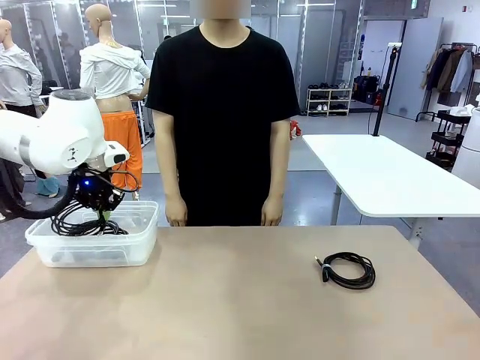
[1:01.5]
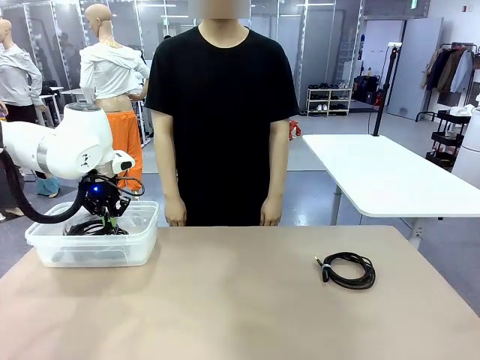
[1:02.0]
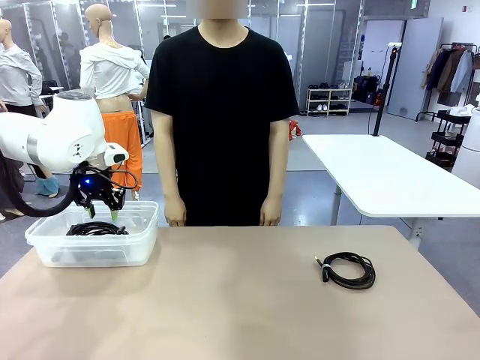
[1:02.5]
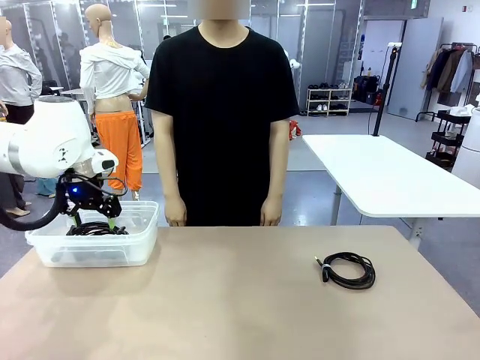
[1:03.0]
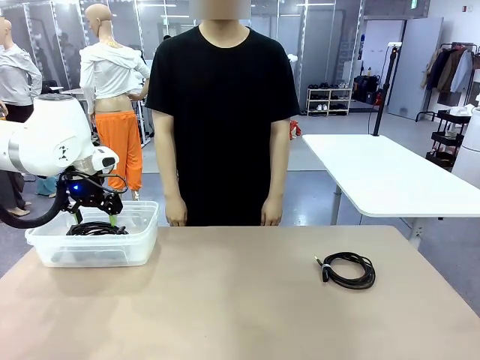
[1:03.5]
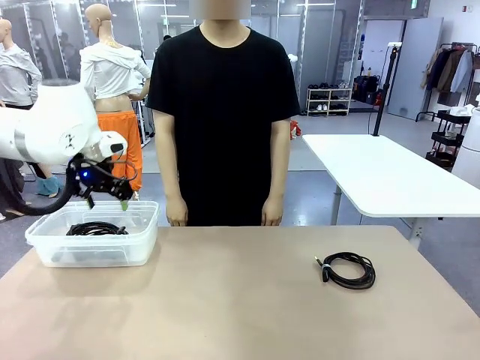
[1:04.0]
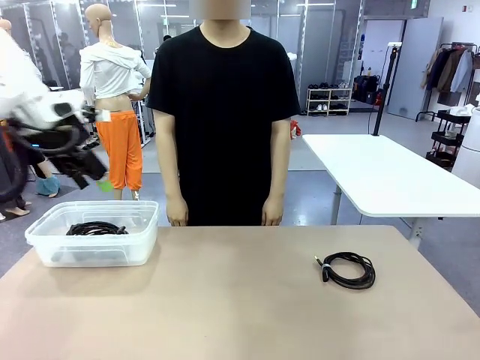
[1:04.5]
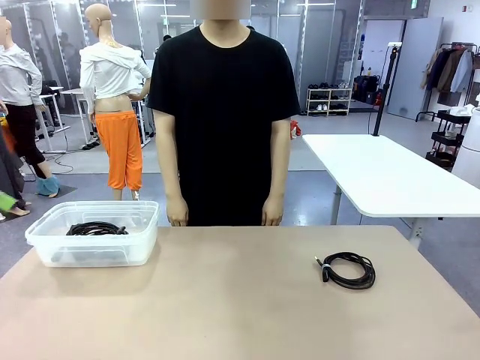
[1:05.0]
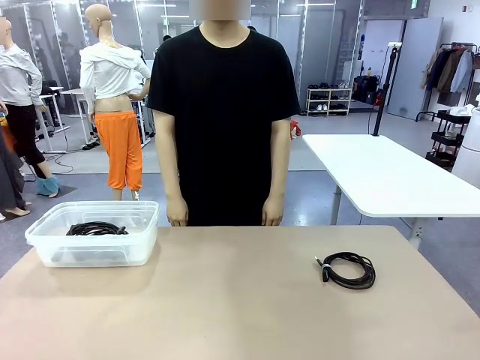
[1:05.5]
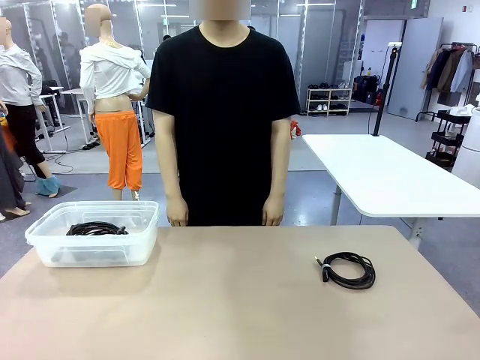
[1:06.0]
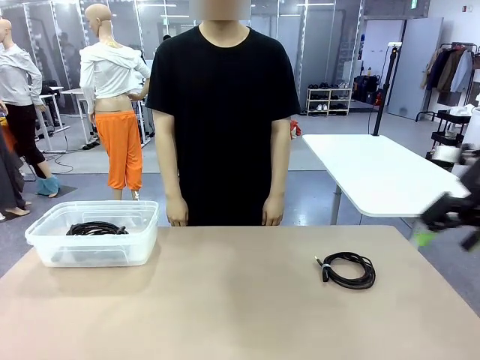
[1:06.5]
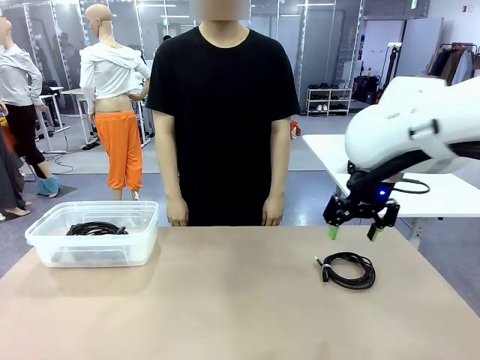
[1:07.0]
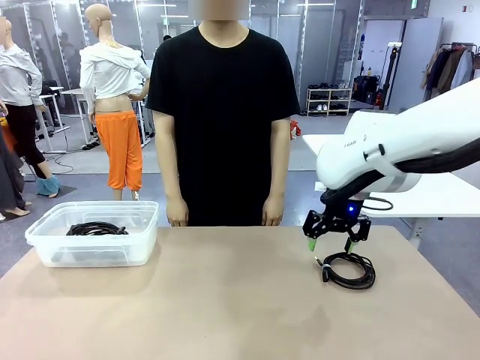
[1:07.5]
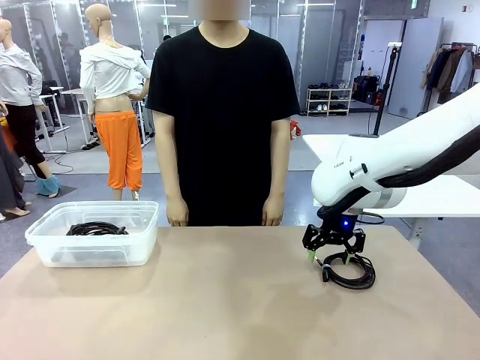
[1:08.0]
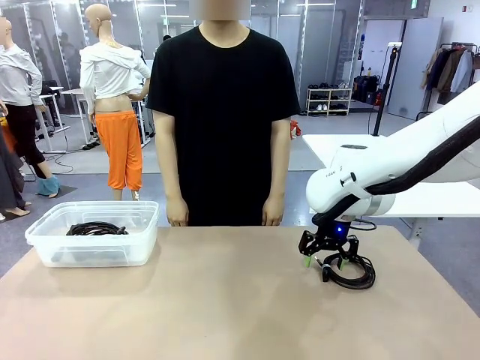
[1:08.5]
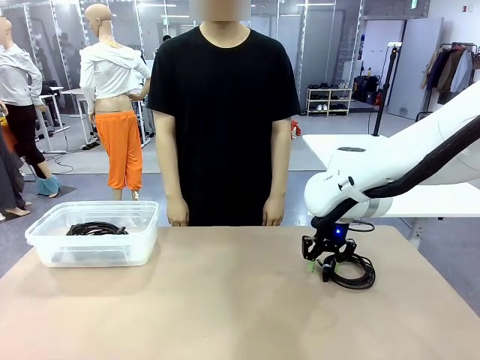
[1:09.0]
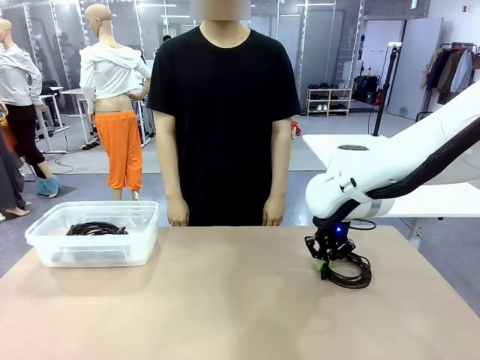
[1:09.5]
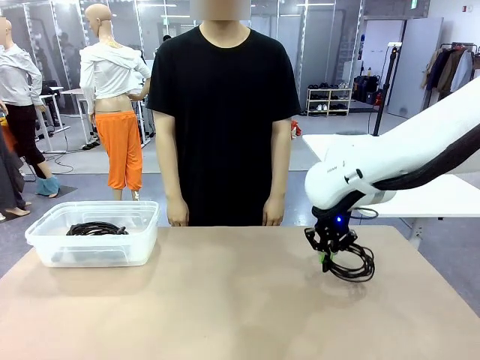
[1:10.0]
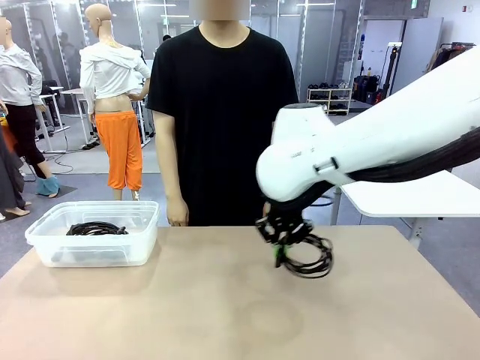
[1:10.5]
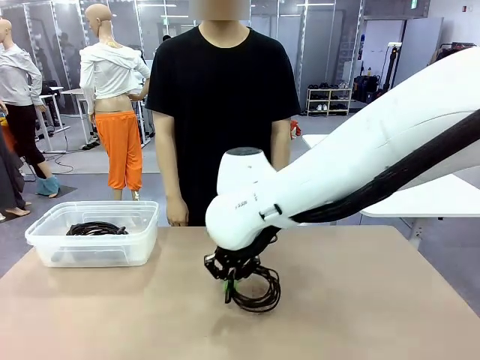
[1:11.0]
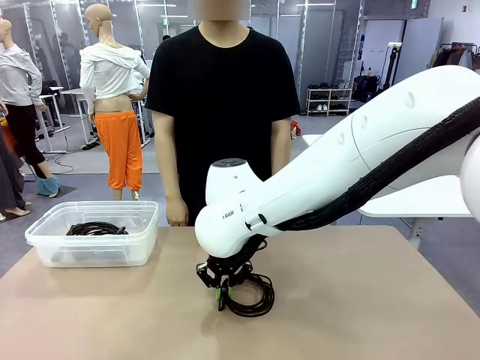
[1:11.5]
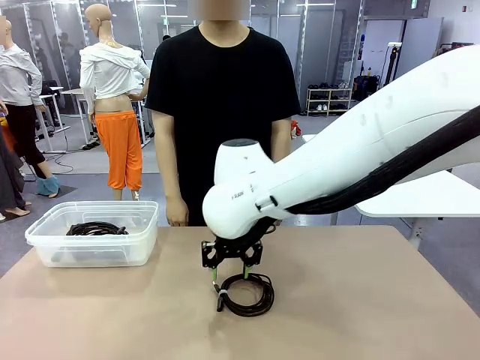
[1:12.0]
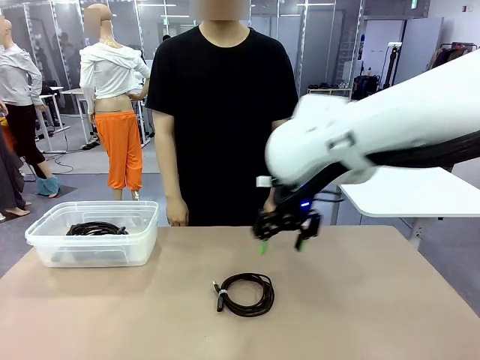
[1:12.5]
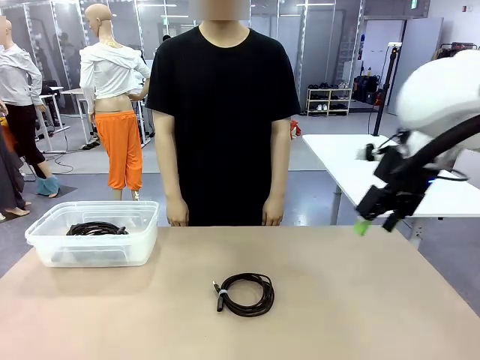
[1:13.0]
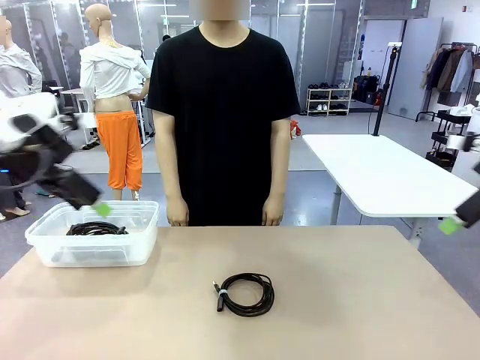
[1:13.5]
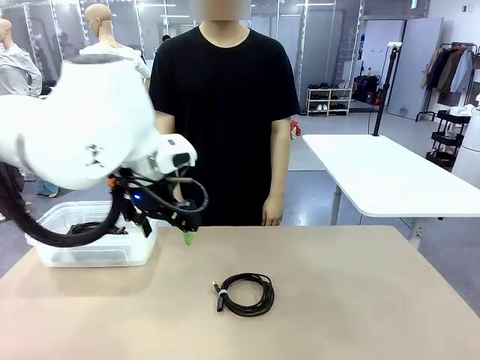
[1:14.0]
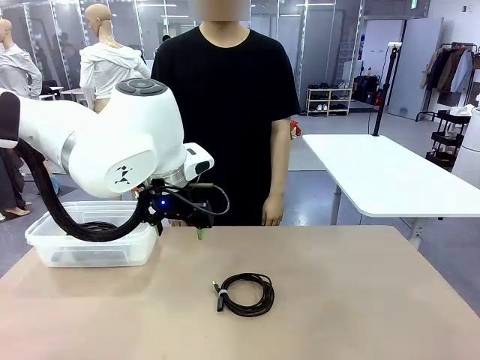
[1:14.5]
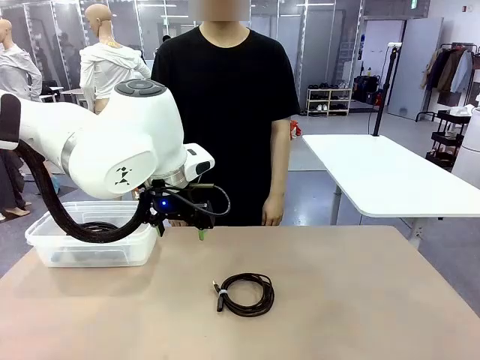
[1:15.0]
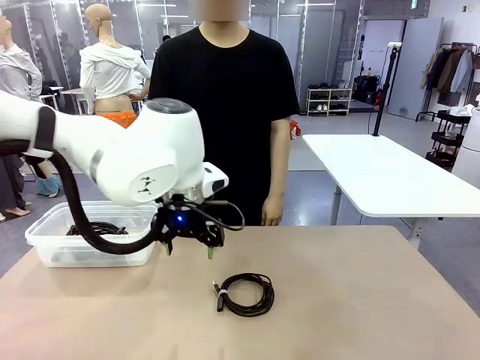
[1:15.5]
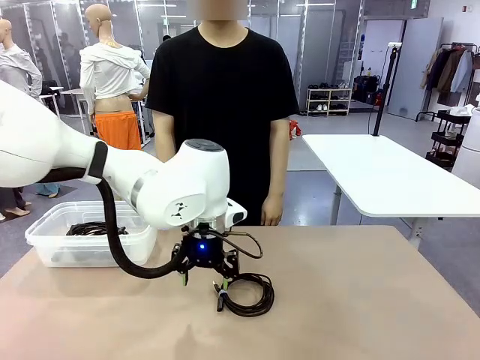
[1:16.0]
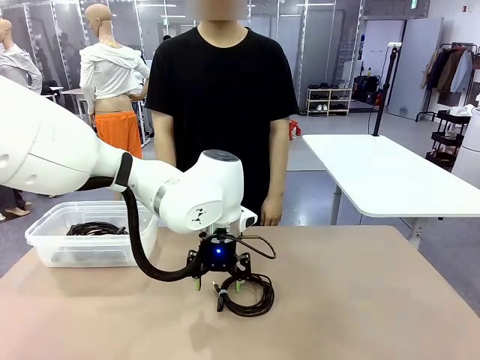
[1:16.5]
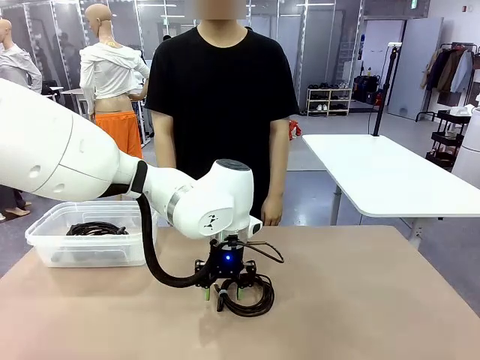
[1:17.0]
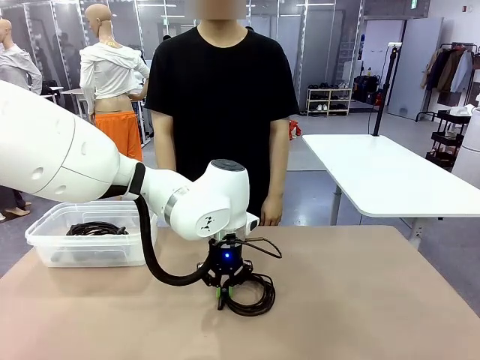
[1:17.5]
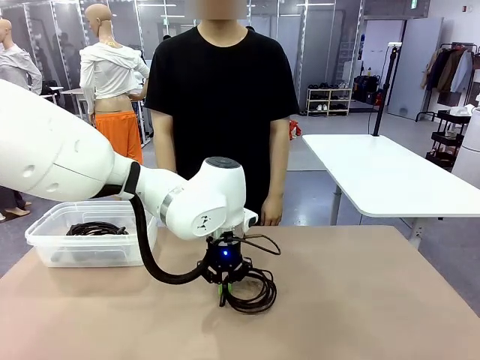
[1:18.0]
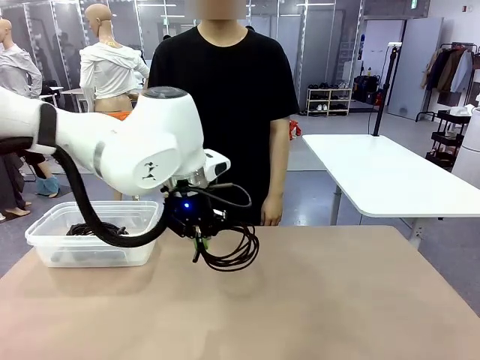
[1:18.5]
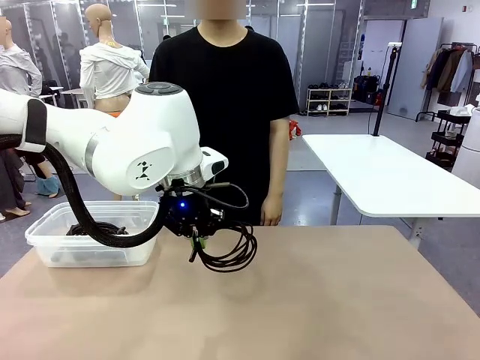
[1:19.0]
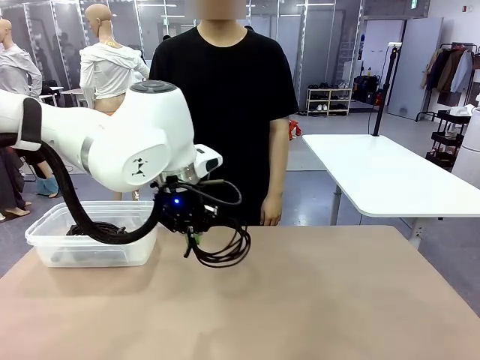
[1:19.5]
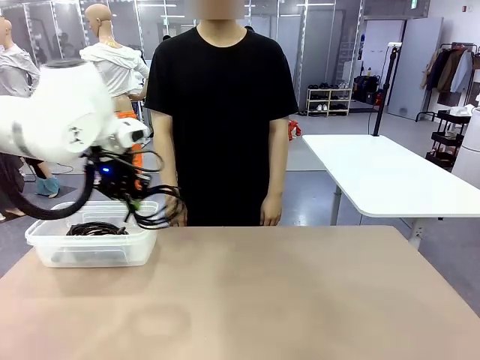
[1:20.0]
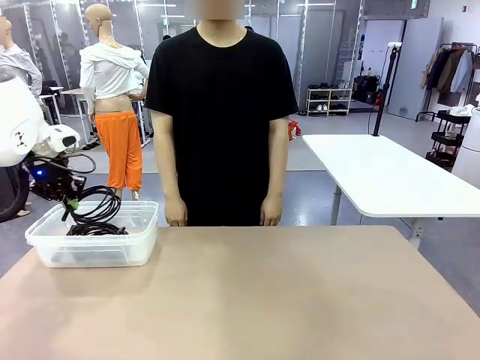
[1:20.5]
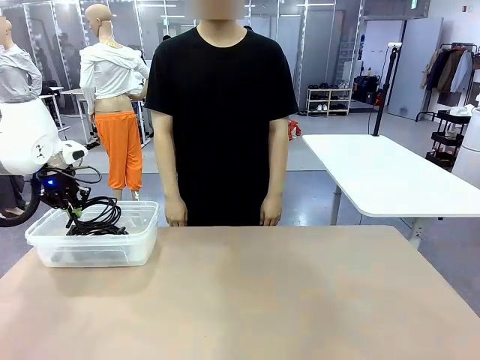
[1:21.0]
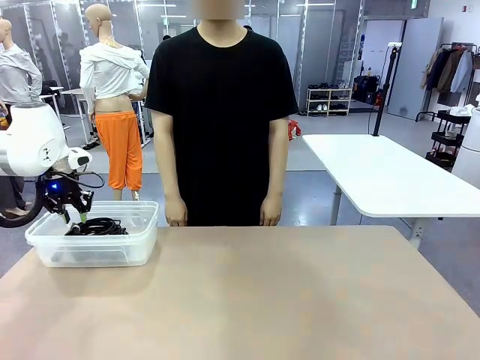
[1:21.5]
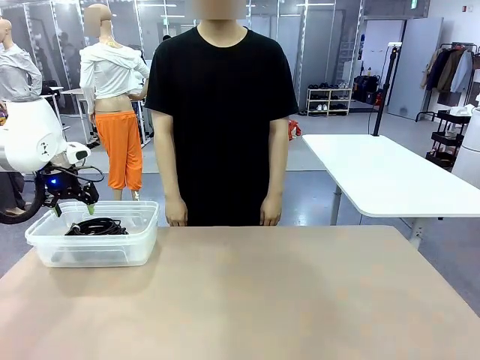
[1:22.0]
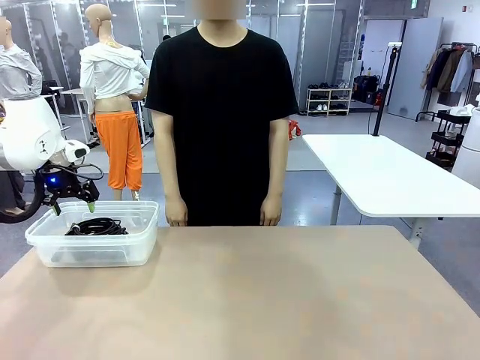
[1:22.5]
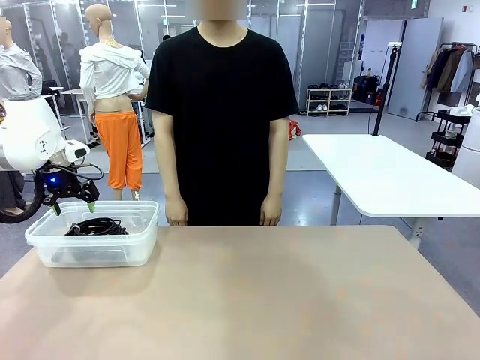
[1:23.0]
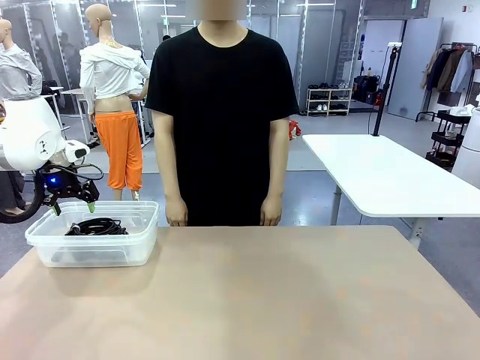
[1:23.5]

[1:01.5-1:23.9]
Task: Organize and store the cables.
Robot: Place the USB Extension Cable into the Organizing box.
